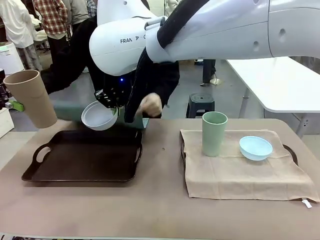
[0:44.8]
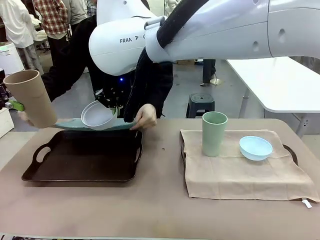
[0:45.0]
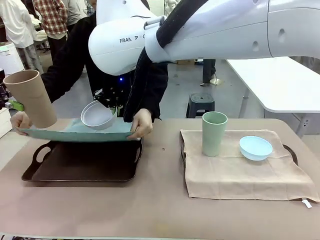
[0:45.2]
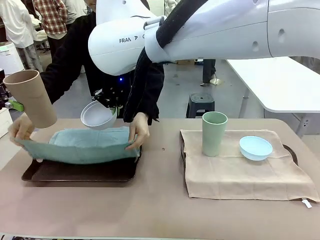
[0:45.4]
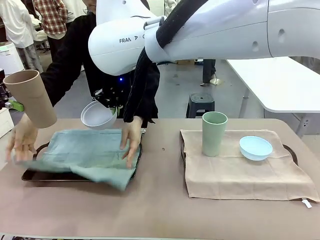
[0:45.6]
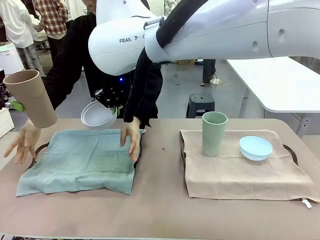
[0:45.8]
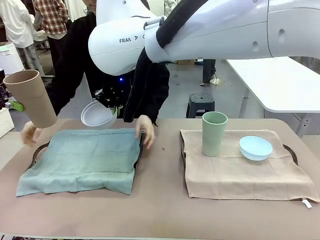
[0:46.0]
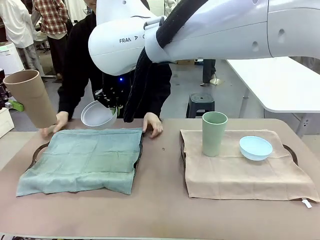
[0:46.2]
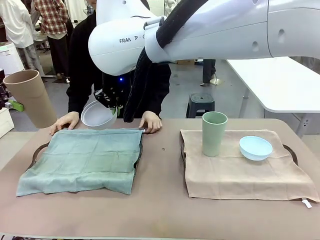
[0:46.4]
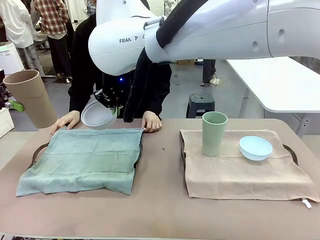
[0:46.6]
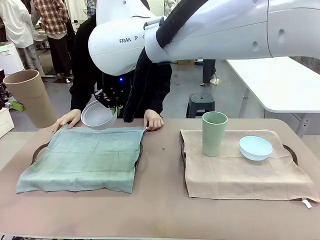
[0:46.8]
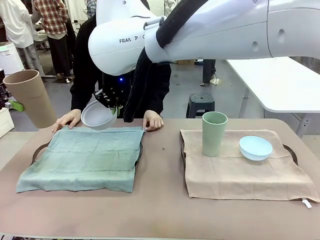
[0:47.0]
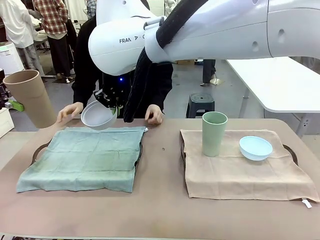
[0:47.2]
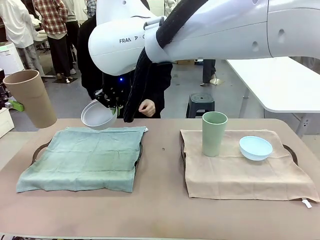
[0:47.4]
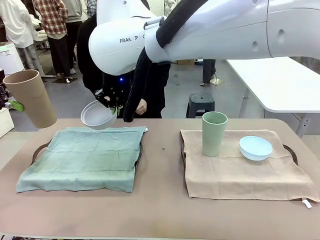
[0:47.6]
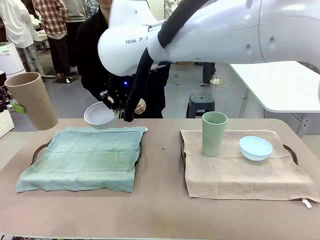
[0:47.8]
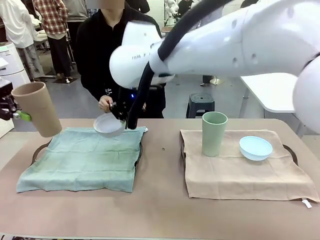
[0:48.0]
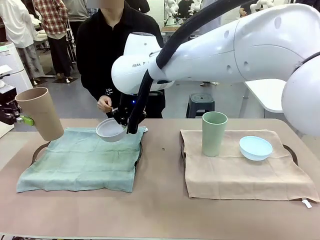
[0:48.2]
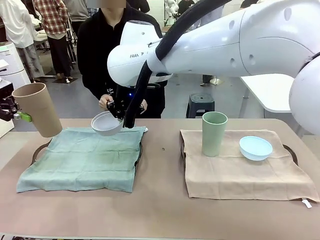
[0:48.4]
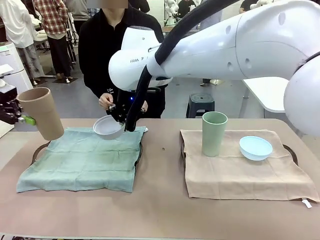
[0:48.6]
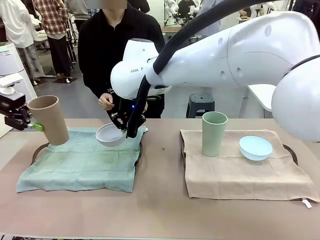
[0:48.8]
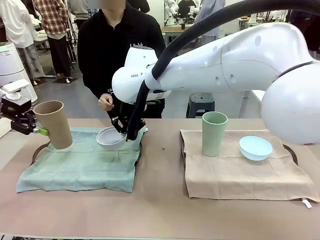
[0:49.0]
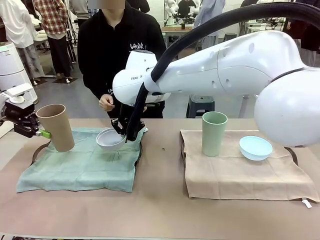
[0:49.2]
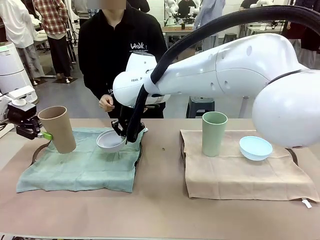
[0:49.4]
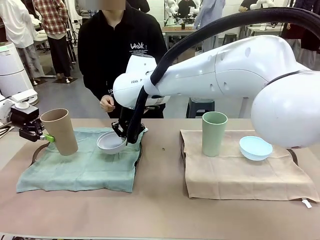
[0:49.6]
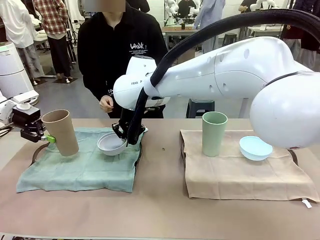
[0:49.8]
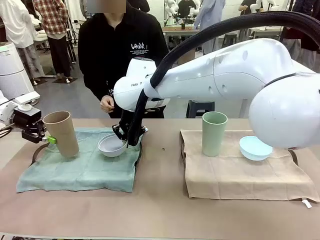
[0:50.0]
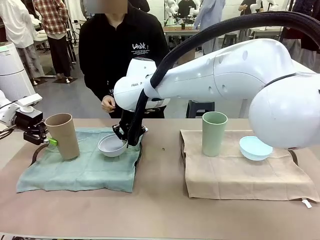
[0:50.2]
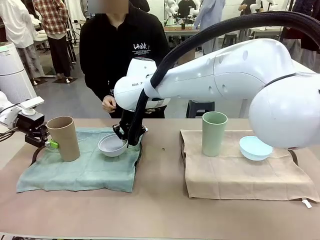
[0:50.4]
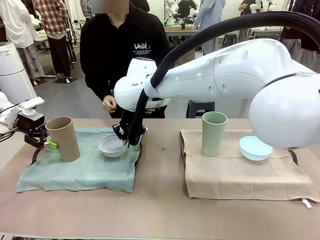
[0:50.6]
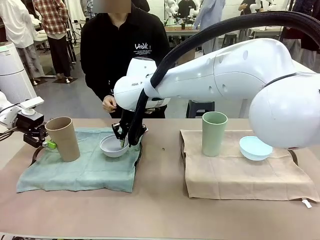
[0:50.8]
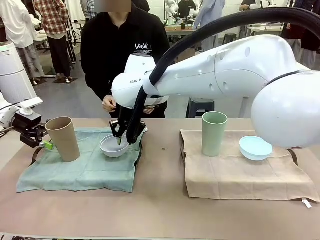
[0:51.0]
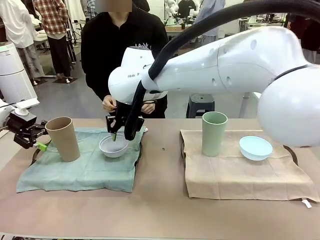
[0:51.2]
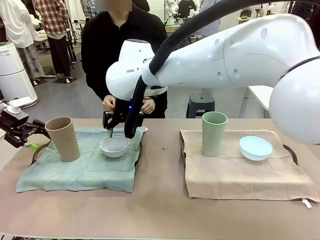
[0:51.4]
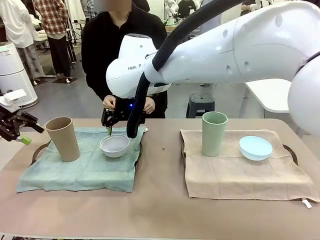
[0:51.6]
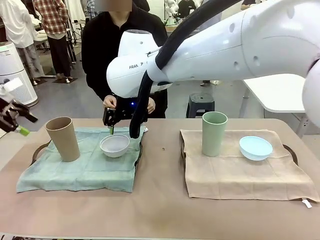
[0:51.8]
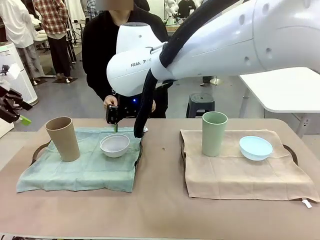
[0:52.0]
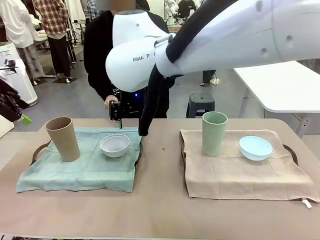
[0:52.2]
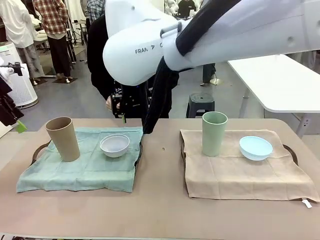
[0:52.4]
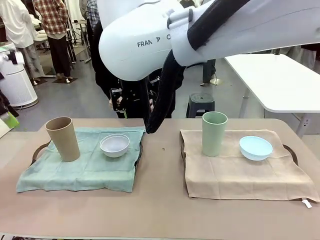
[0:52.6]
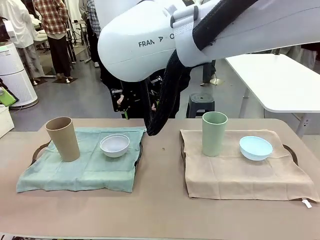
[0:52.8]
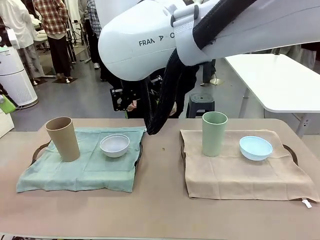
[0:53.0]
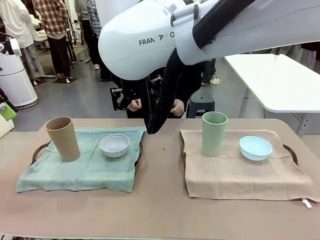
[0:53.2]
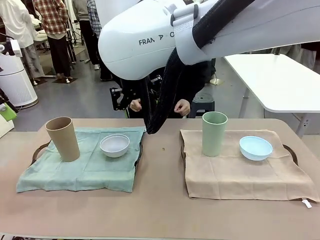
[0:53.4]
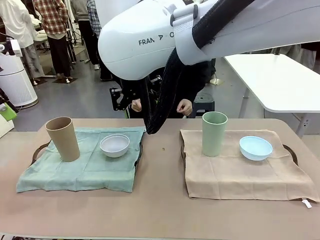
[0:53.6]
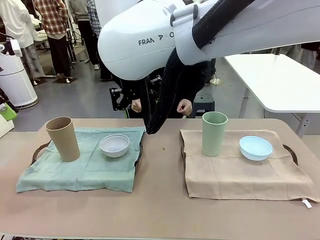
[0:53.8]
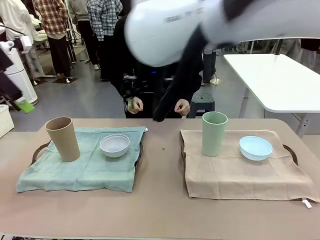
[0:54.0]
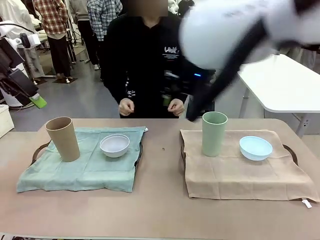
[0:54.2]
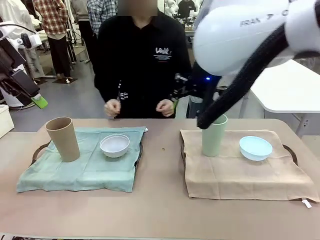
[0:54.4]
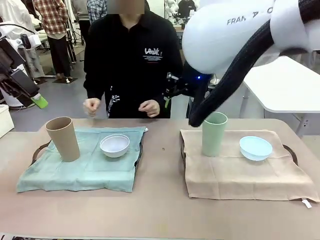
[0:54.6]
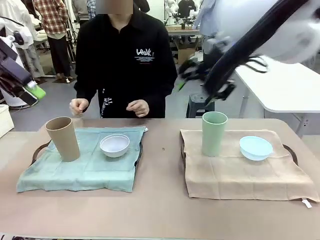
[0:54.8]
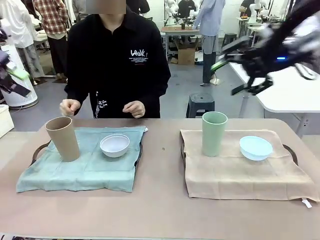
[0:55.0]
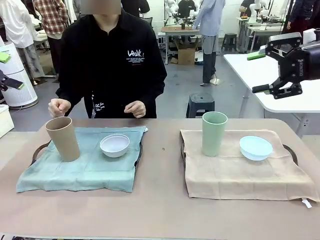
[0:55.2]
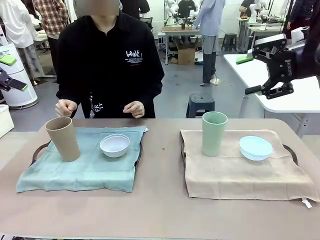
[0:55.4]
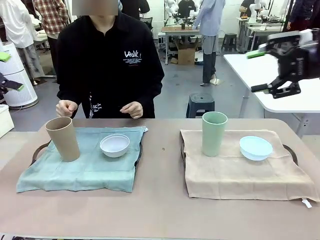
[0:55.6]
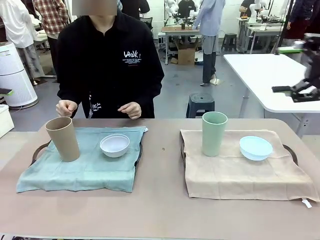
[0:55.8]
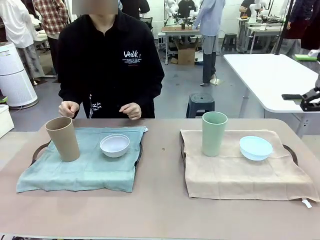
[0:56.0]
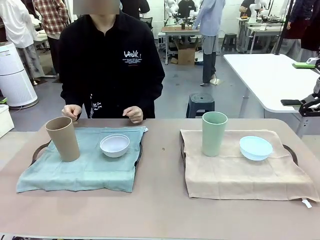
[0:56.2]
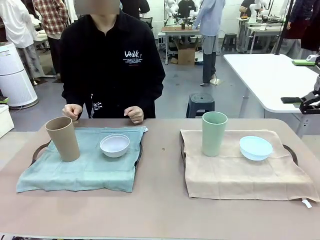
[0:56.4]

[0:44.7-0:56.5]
Robot: Place the Picnic Bowl and Reusable plastic cup back onto the Handle tray in front of the human's position.

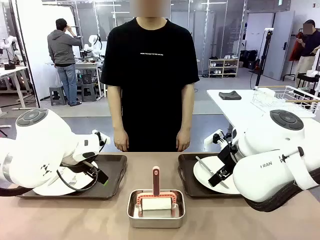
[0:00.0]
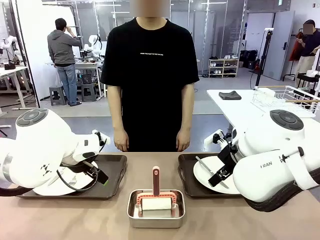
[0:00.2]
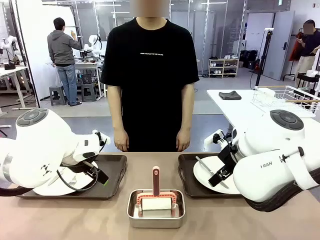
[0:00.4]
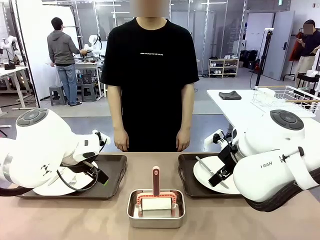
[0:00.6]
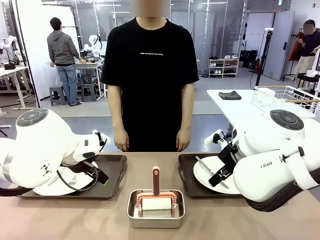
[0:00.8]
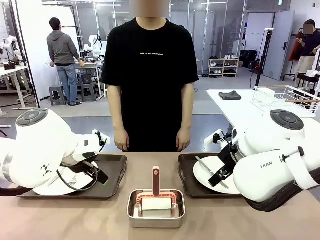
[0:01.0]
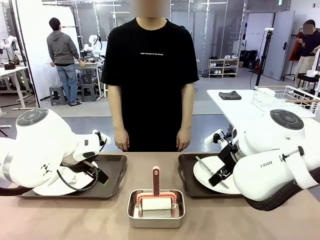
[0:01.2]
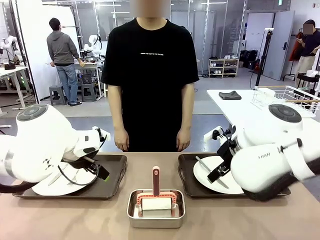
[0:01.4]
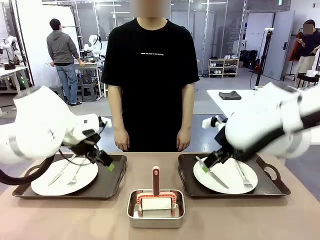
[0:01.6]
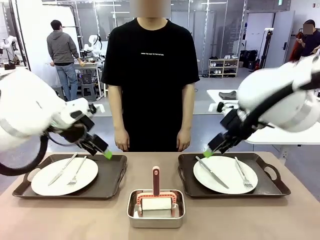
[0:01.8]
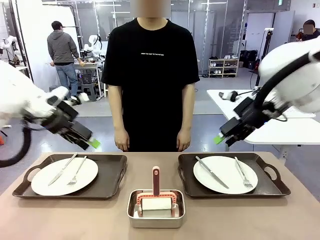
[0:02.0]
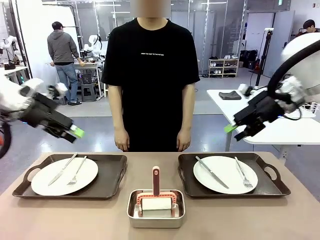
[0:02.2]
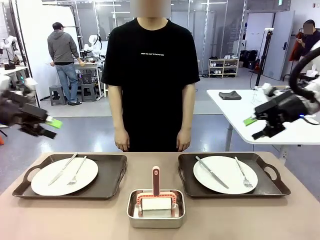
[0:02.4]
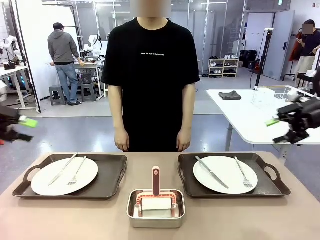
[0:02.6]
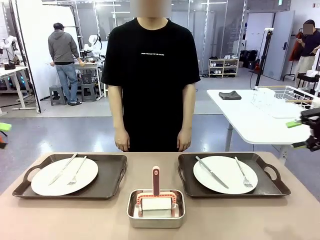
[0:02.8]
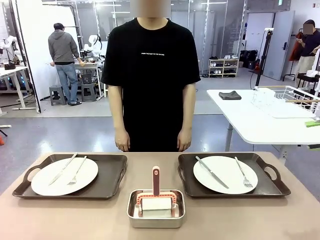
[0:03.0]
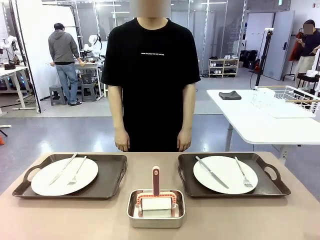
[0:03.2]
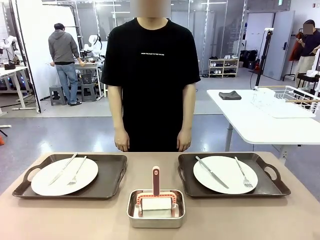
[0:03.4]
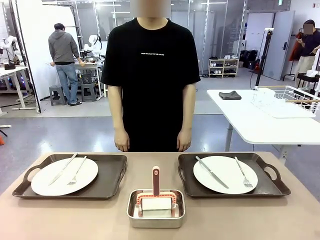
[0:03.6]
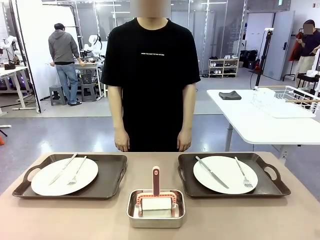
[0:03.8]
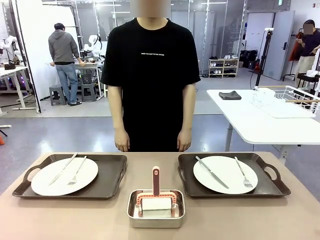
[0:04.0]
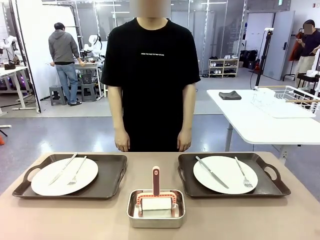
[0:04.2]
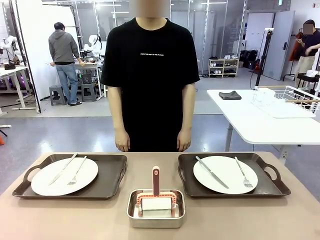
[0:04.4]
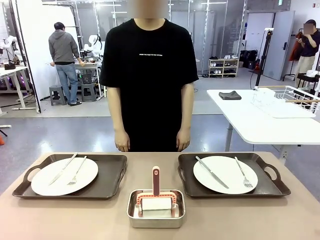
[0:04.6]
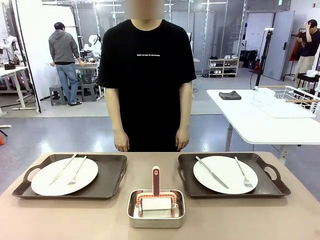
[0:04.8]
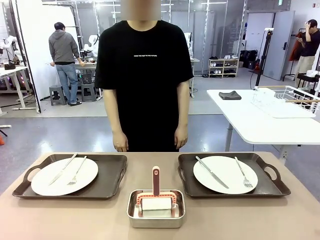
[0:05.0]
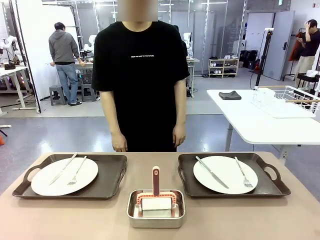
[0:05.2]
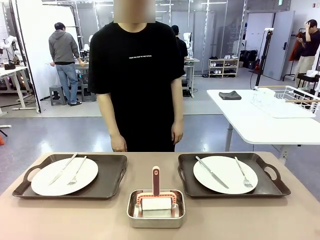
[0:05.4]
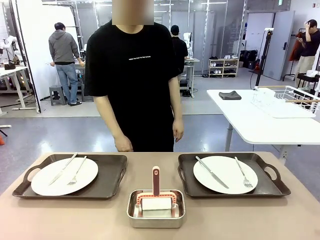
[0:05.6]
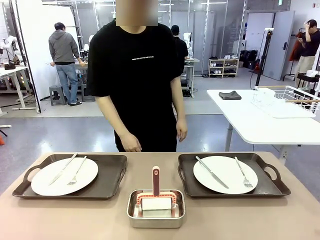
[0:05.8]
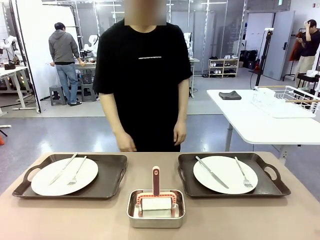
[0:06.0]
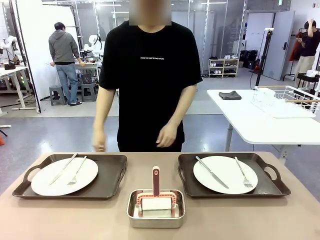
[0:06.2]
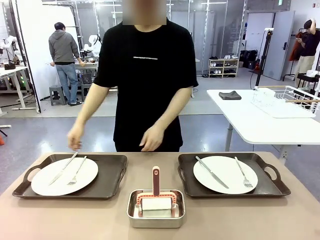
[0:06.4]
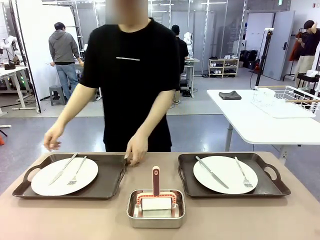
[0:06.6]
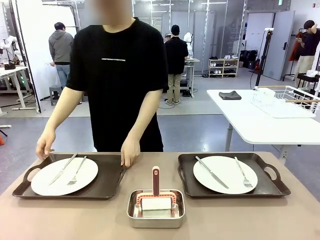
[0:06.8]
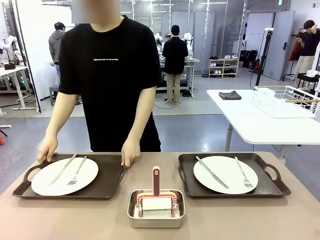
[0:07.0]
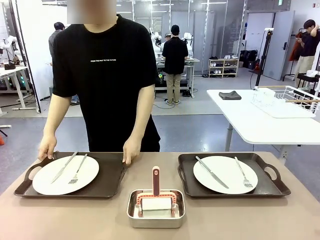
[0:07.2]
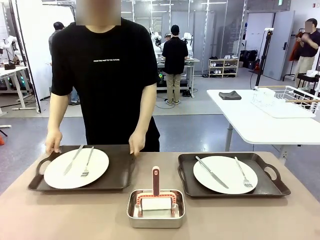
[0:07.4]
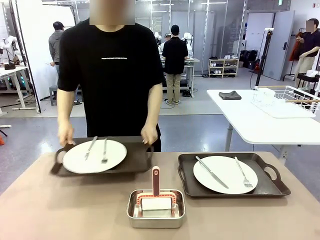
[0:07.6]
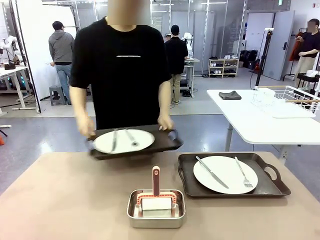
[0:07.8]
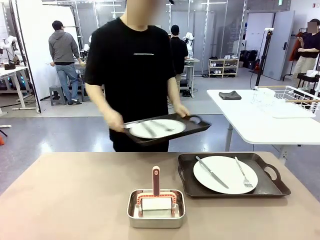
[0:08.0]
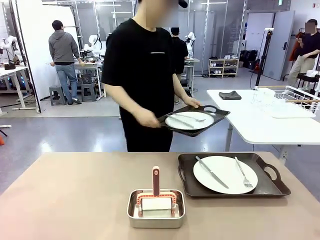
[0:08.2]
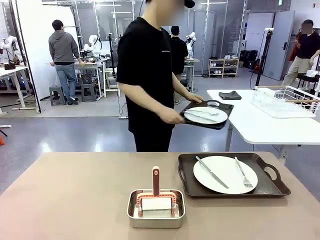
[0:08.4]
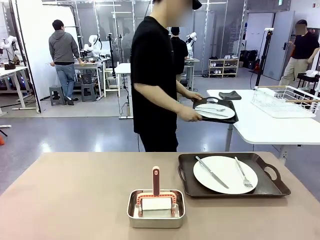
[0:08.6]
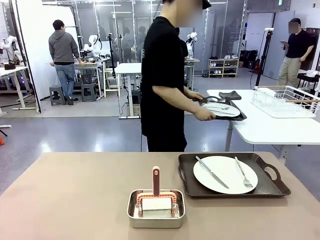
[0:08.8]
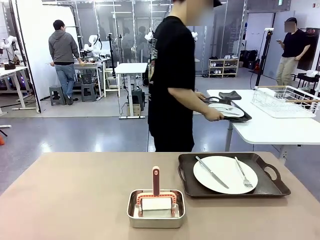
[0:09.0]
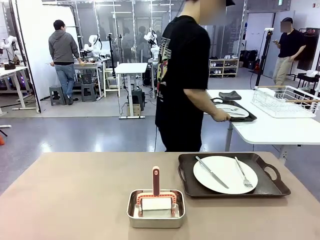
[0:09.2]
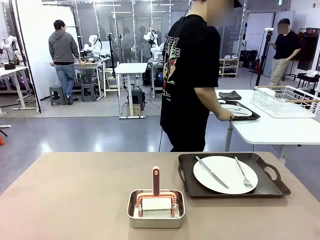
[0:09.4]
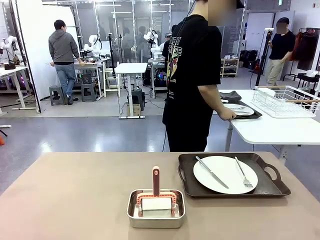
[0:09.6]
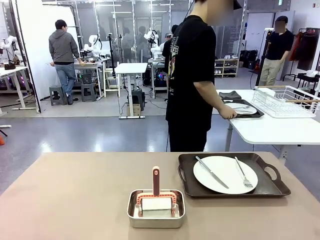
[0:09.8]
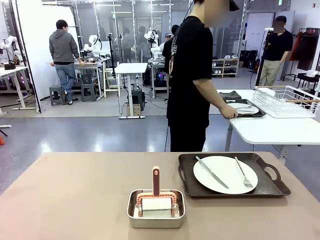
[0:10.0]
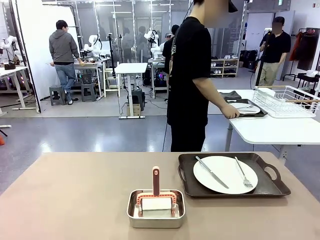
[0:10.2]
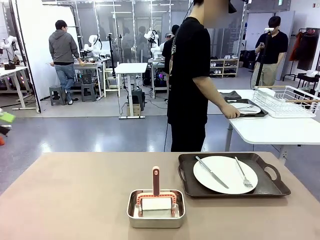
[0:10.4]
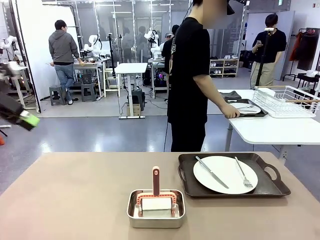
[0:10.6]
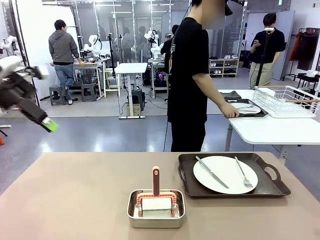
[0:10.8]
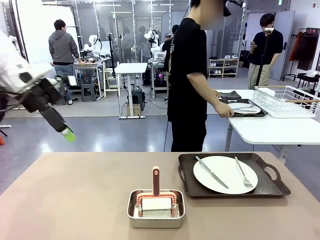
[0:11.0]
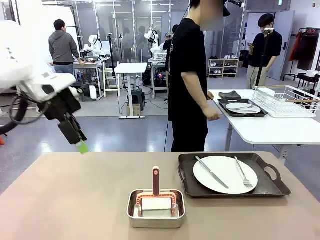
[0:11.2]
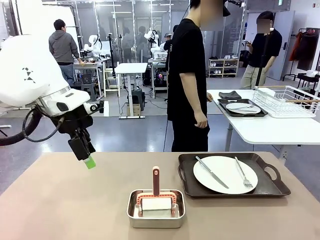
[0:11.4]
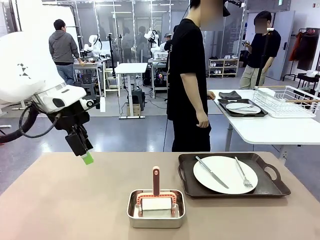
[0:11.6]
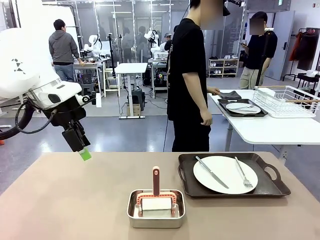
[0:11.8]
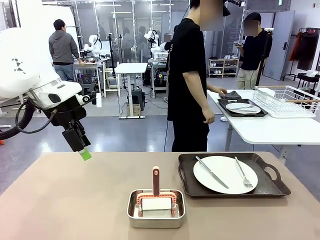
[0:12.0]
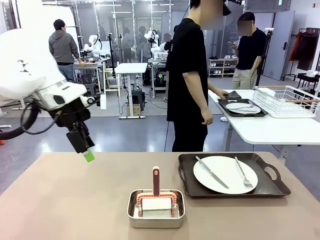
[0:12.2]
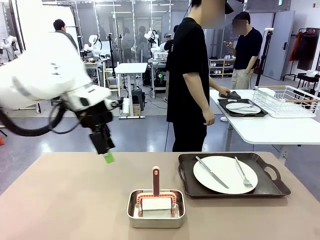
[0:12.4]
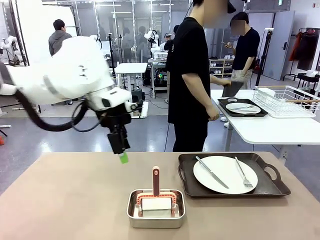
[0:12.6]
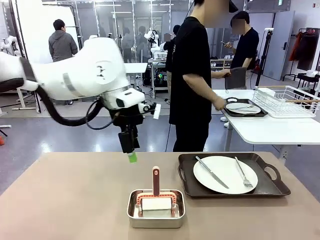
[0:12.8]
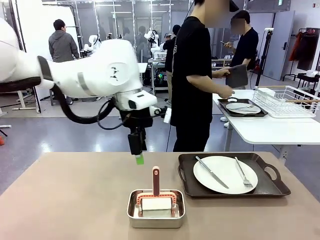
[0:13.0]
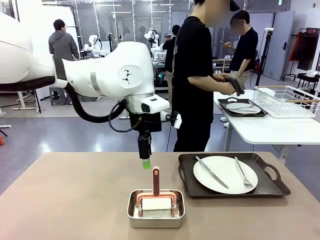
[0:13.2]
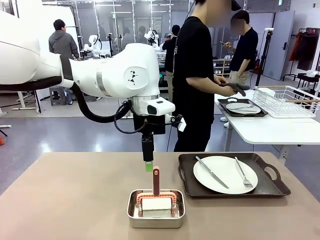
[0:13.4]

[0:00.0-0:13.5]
Robot: When the left (or right) Handle tray is removed, use the left hand (or right hand) to clean the left (or right) side of the table with the Lint Roller.
Person: Pick up the left (or right) Handle tray and place it on the middle of the Human's table.
